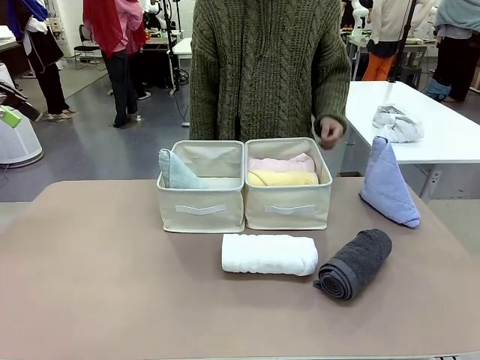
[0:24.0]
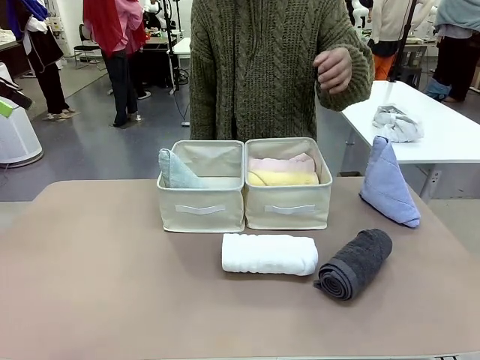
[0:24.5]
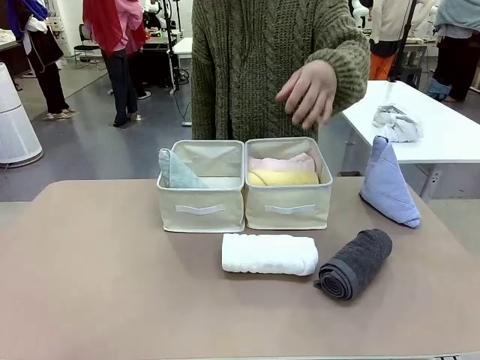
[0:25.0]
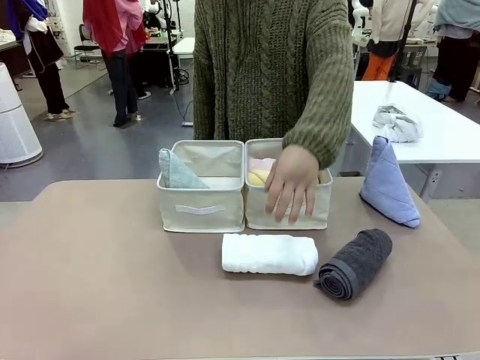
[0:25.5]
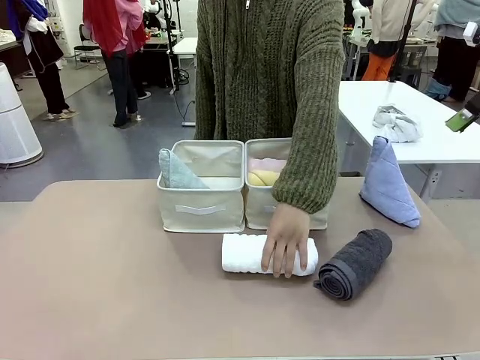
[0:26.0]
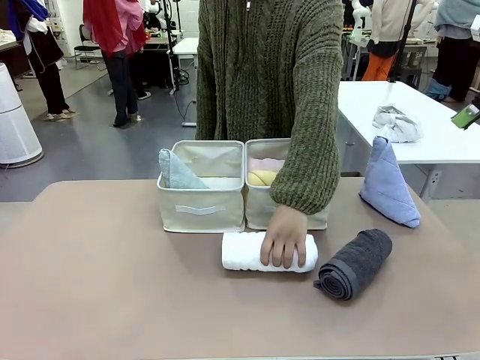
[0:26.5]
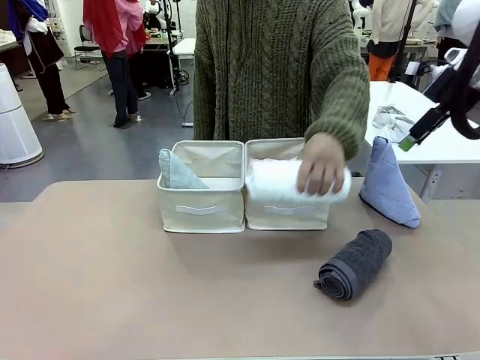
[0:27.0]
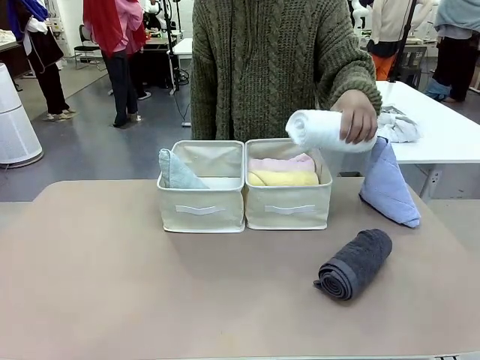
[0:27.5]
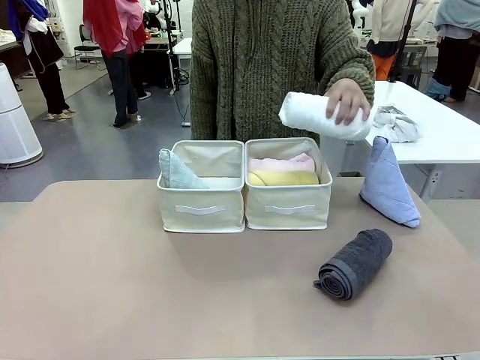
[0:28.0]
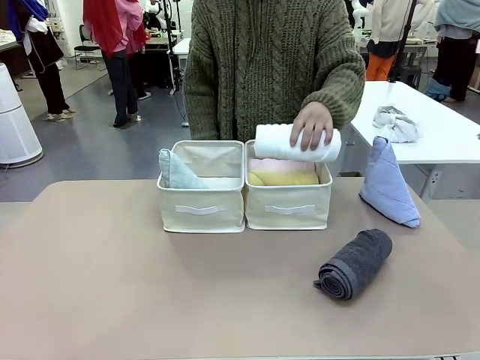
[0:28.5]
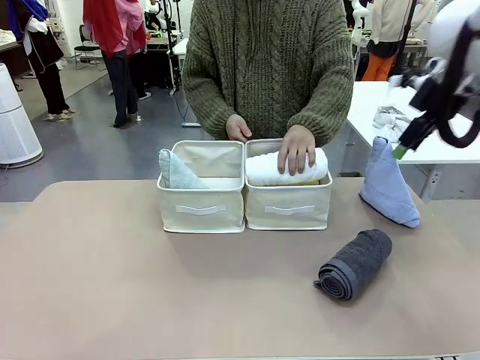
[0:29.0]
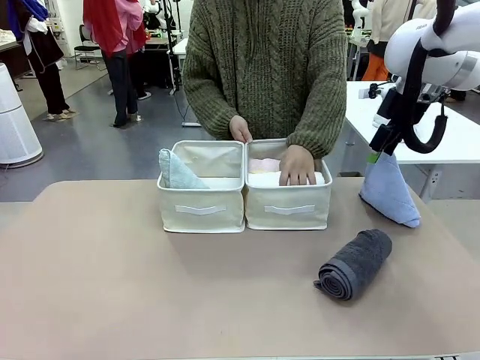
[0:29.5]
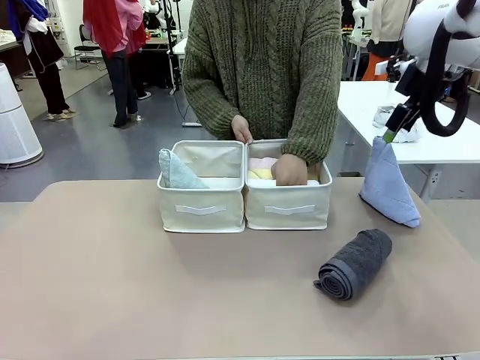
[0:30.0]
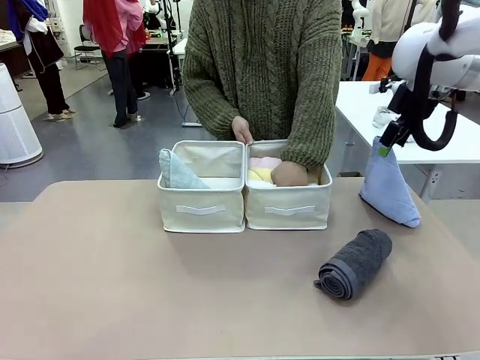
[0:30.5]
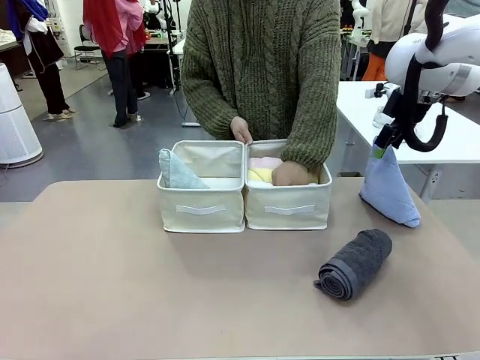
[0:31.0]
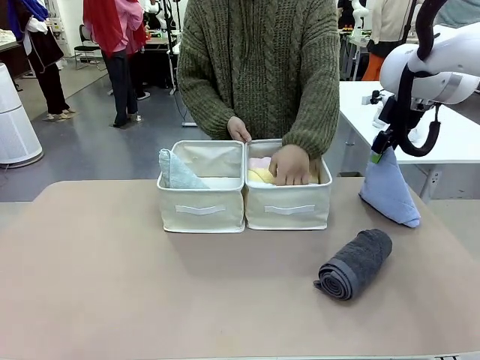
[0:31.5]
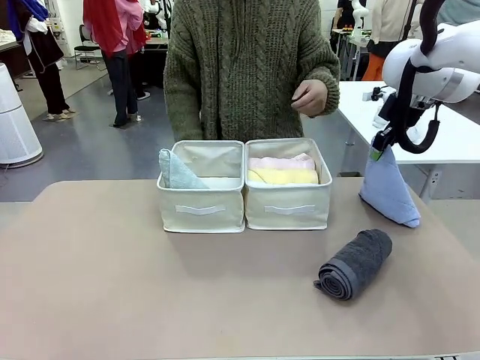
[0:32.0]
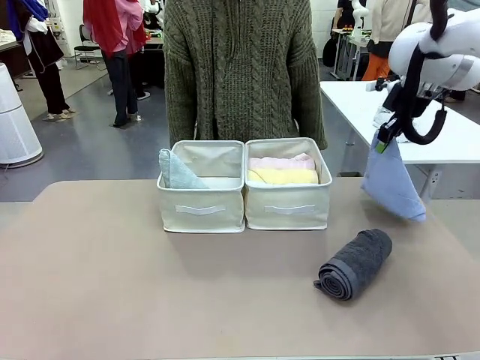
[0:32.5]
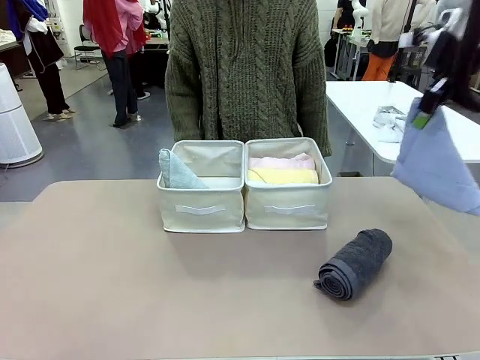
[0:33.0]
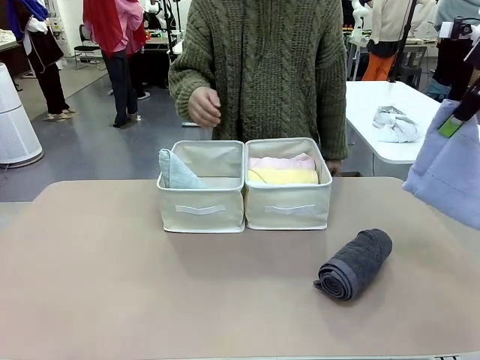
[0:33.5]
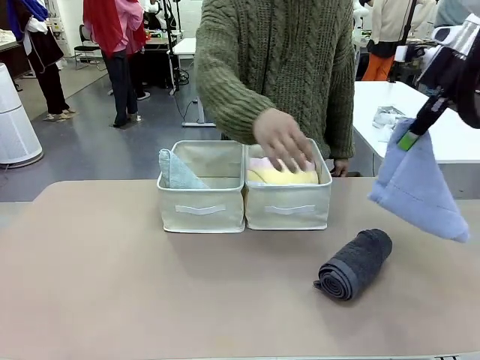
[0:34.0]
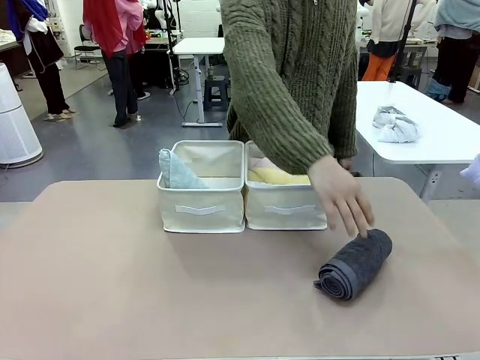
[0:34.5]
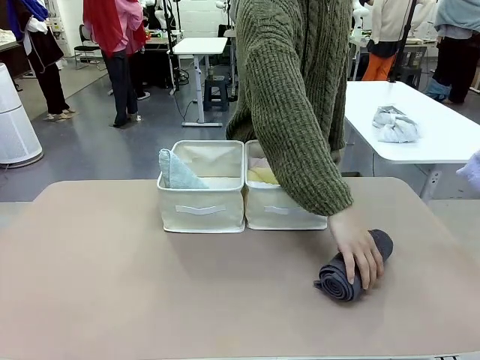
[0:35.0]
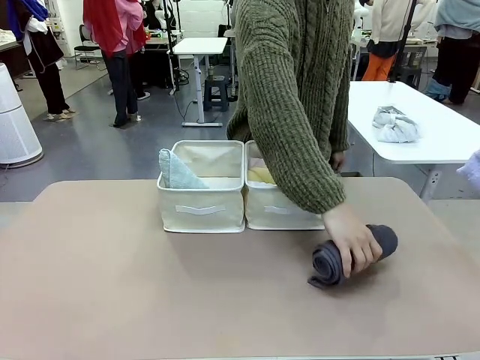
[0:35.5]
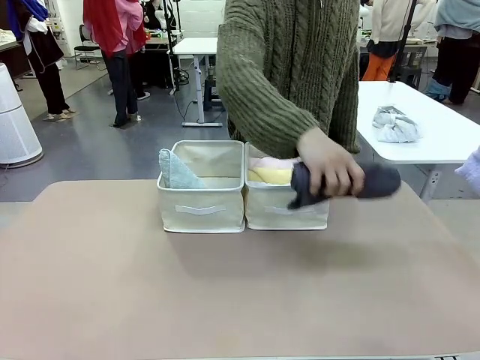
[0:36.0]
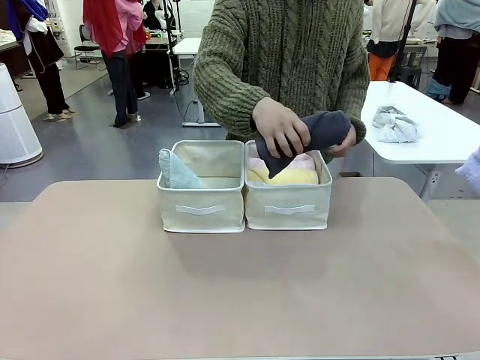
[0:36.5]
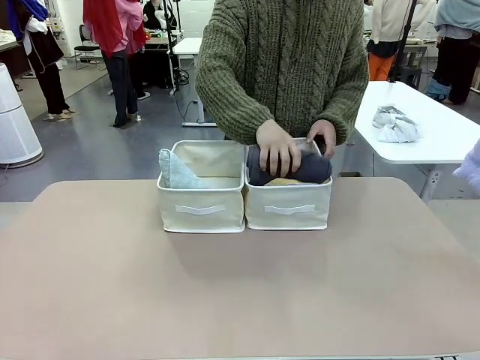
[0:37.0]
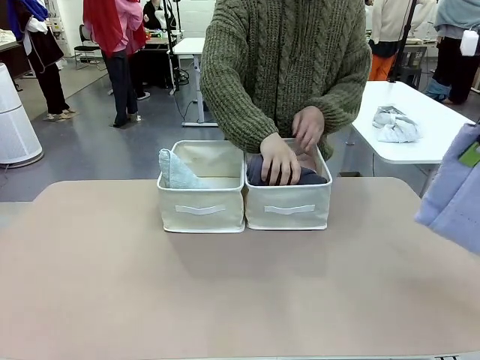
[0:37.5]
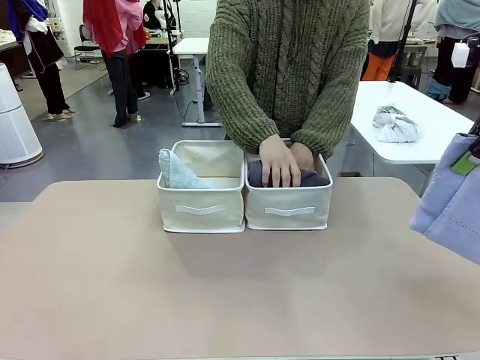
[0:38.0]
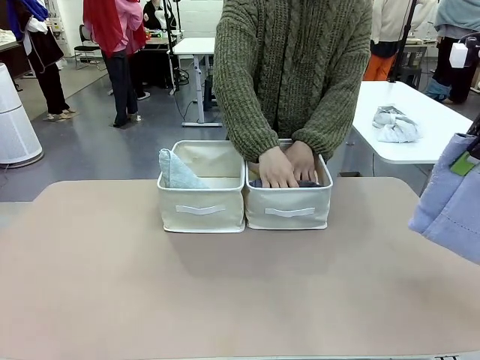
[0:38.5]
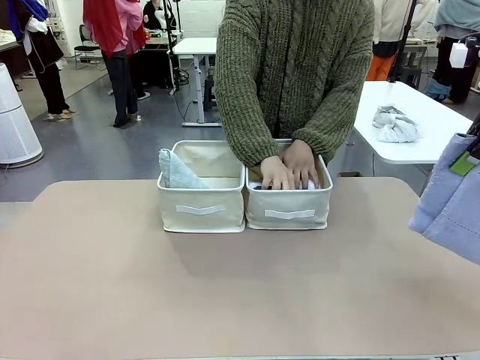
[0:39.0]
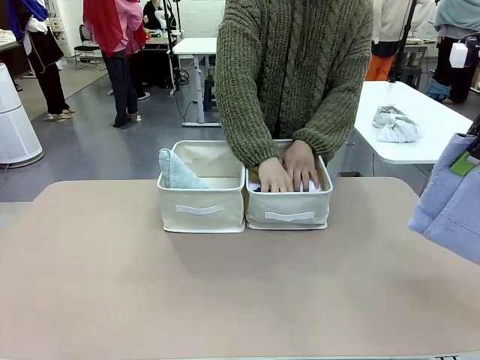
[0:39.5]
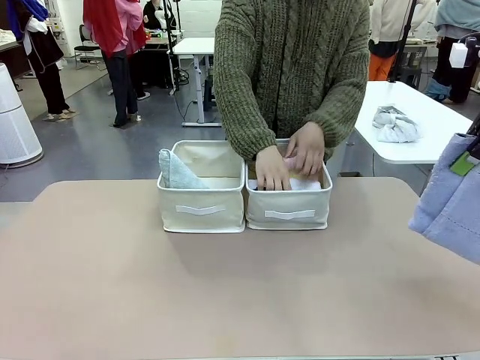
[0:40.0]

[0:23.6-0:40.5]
Task: Sort the towels based on their folding style.
Robot: Pick up another triangle-folded towel from the table and place it in the left Fabric basket.

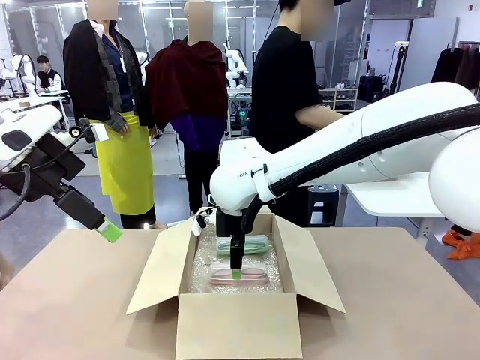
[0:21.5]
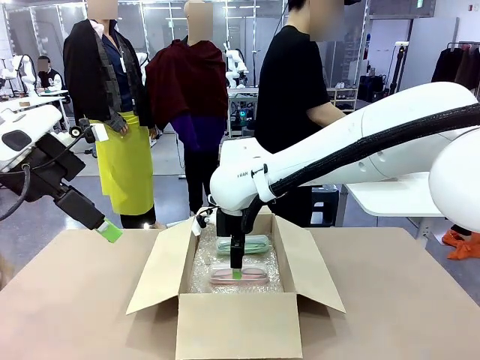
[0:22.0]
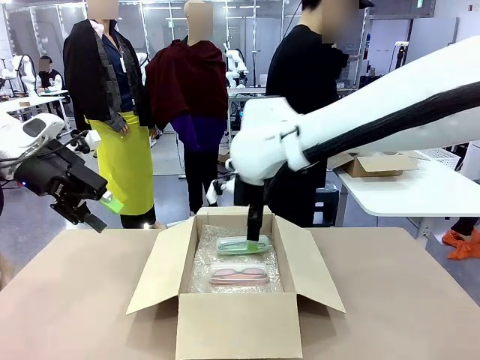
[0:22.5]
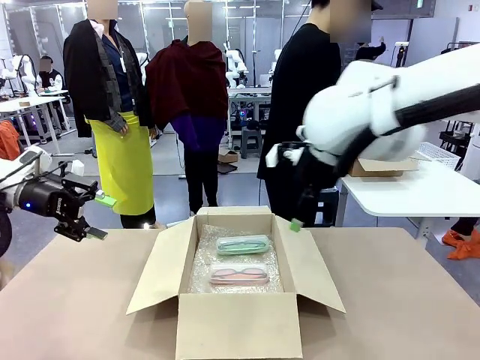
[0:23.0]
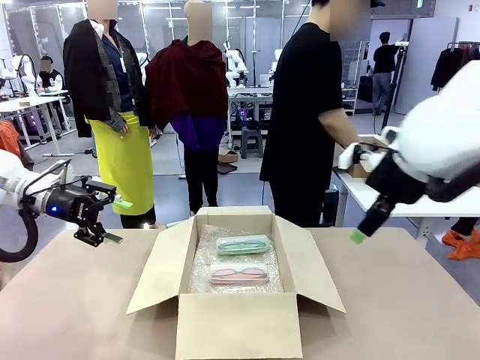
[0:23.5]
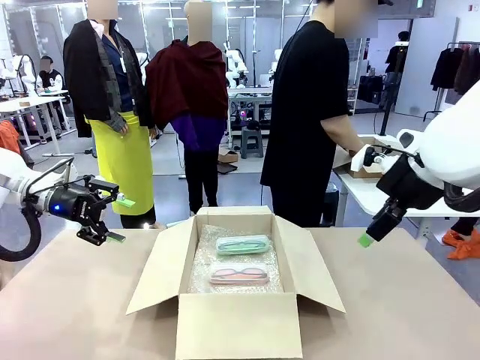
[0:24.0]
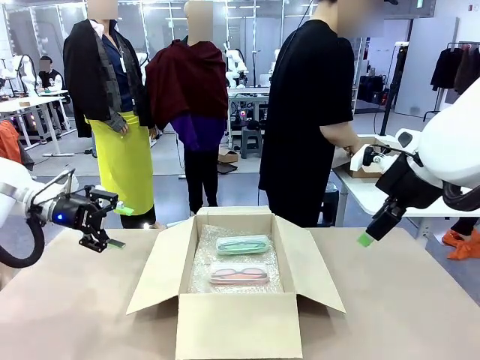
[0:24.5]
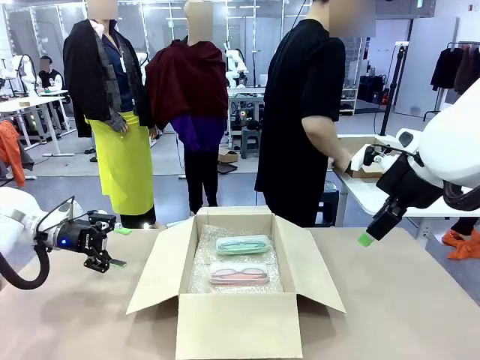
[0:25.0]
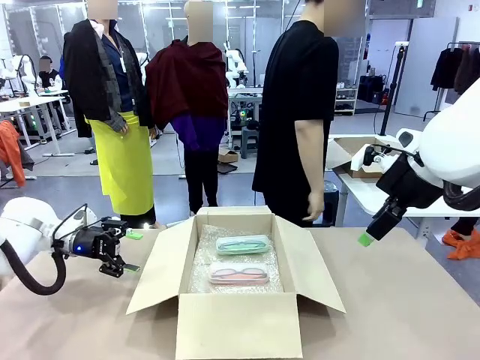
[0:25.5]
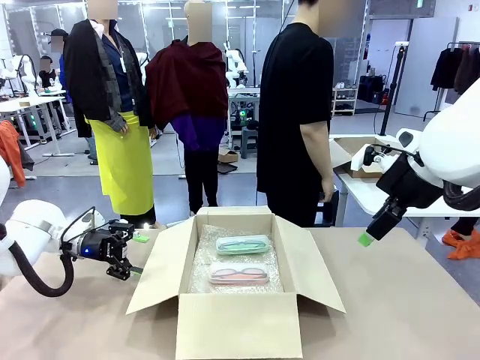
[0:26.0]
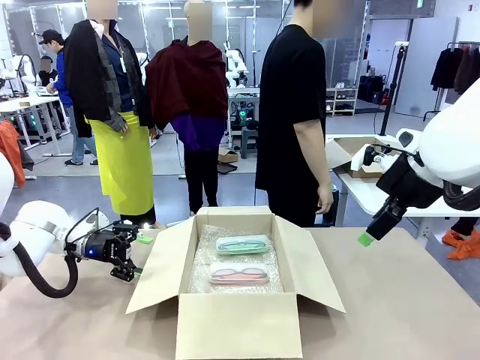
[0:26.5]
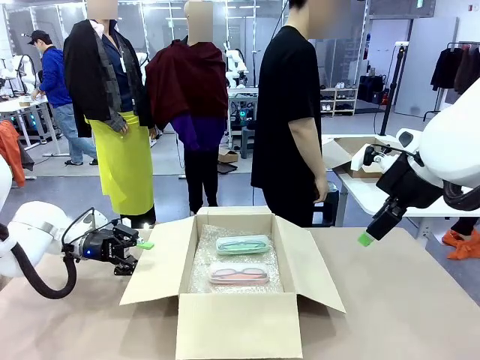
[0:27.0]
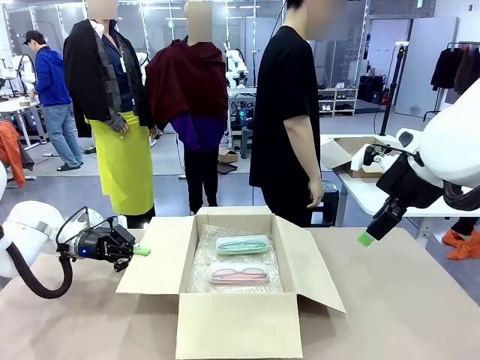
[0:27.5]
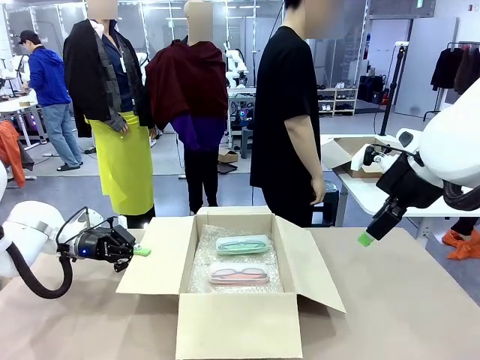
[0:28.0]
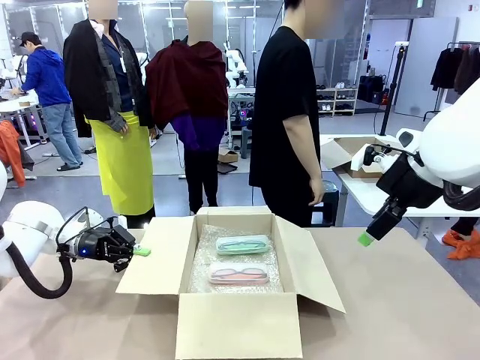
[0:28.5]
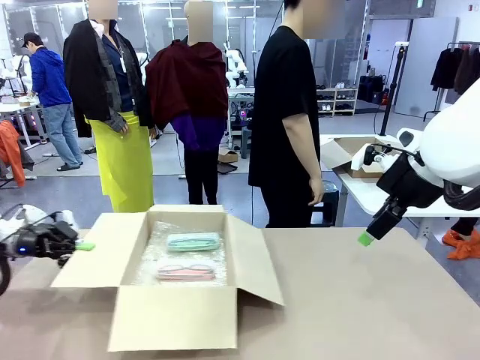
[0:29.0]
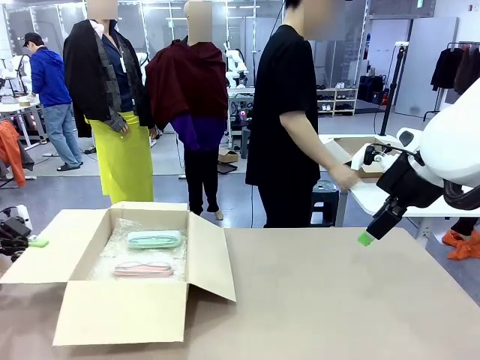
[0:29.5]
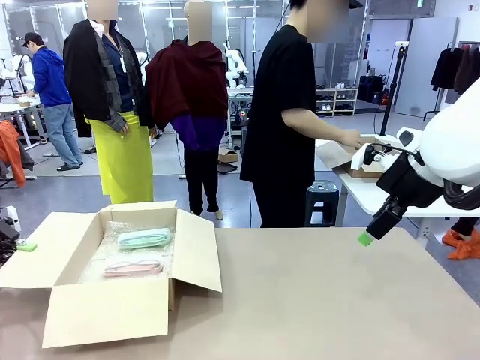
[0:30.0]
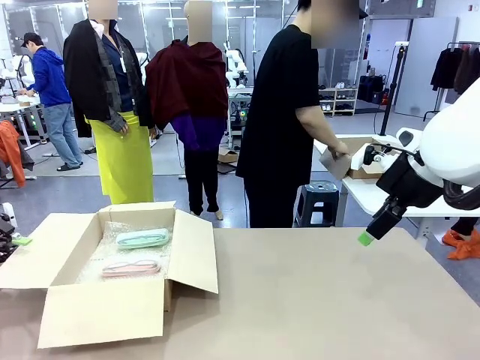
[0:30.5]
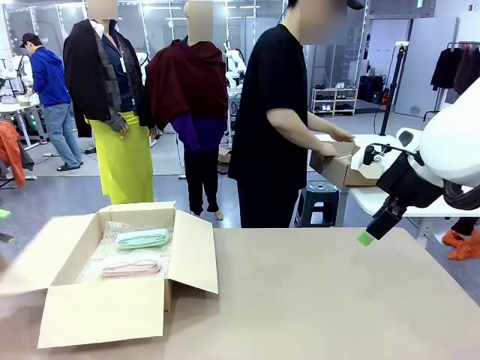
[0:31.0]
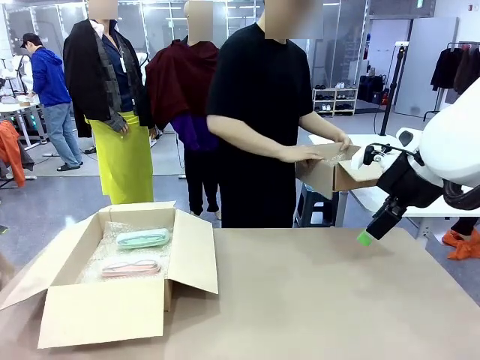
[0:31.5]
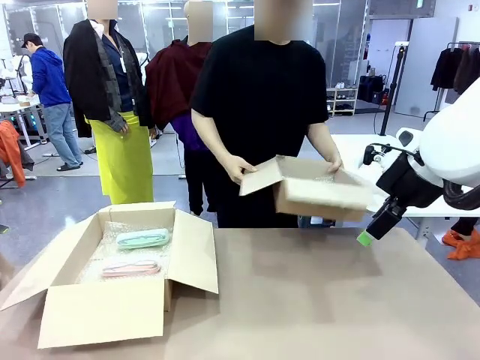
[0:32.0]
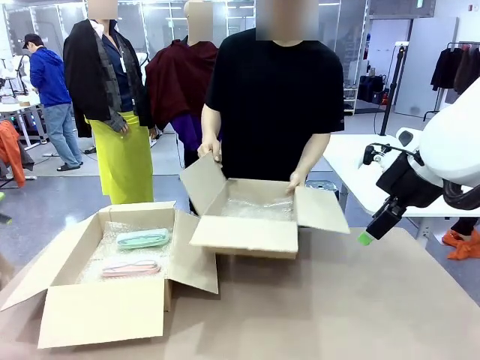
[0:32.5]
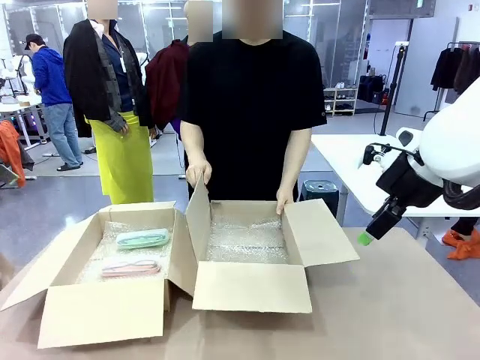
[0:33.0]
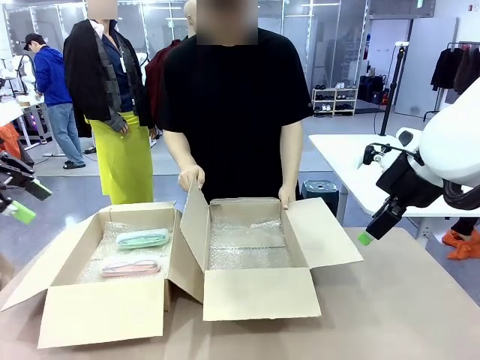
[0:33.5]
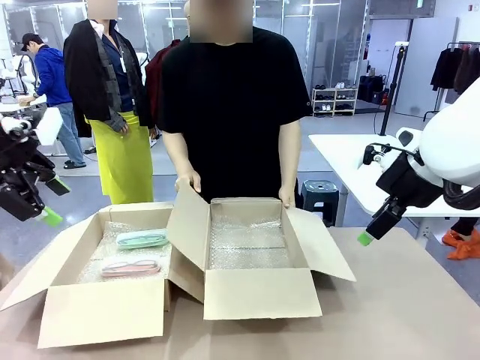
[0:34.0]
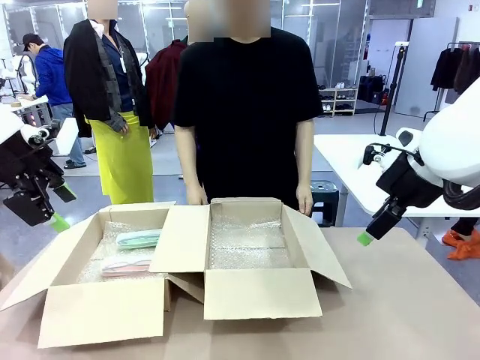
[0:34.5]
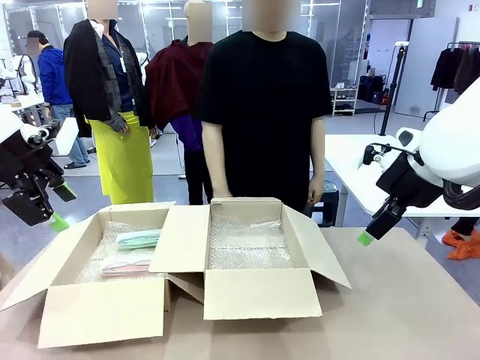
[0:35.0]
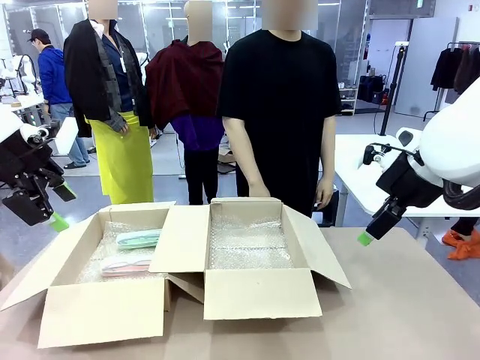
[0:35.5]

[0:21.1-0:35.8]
Task: Pack the glasses set securely to prepare it for shipping.
Robot: Position the Package Box on the left side of the table.
Person: Position the empty Package Box in the middle of the robot's table.
